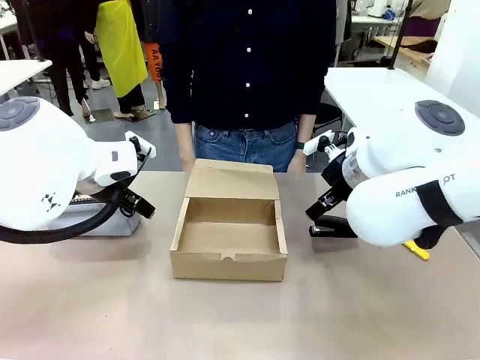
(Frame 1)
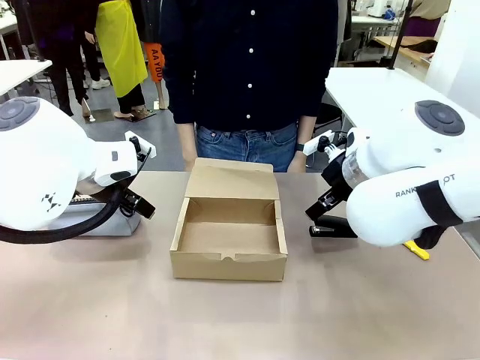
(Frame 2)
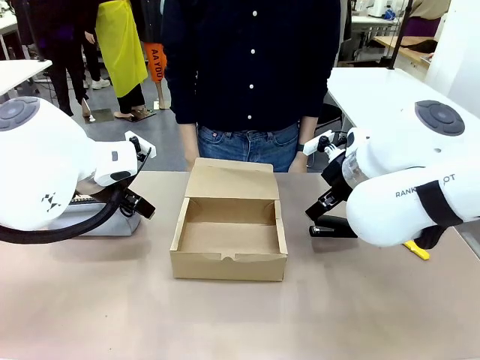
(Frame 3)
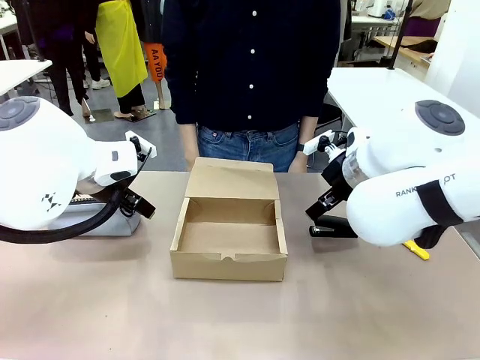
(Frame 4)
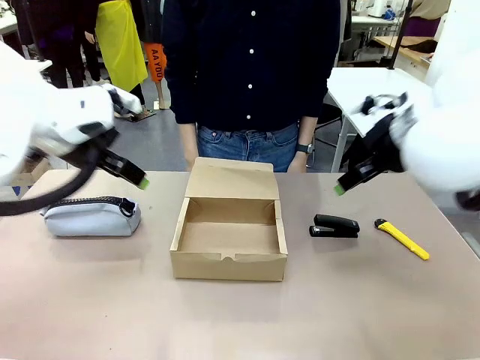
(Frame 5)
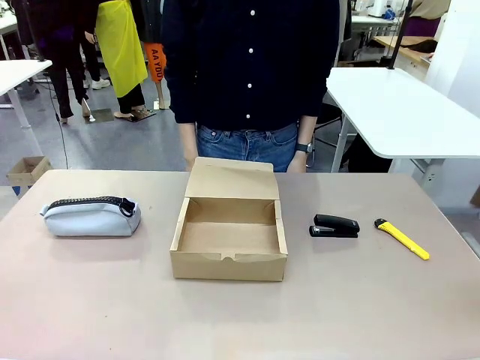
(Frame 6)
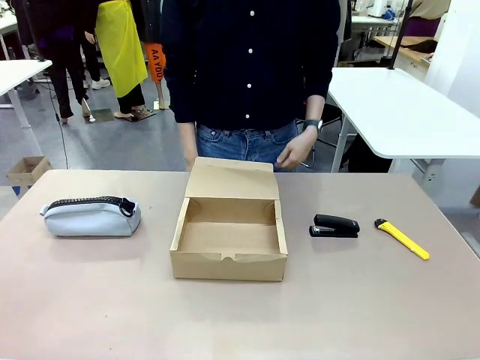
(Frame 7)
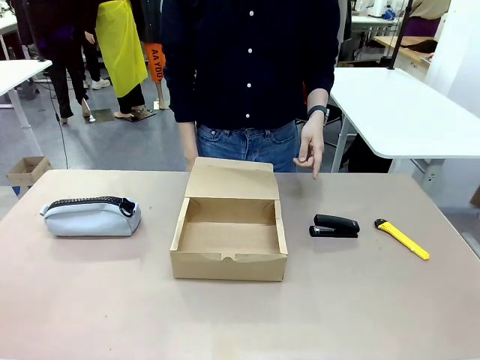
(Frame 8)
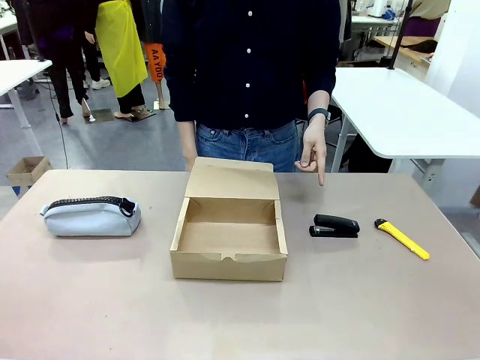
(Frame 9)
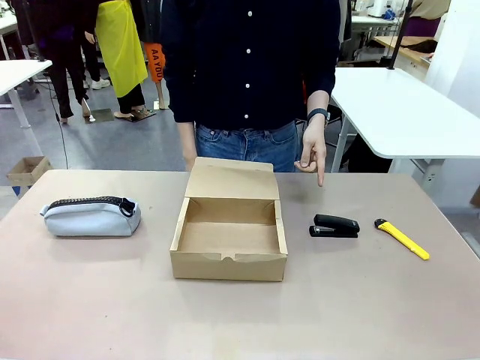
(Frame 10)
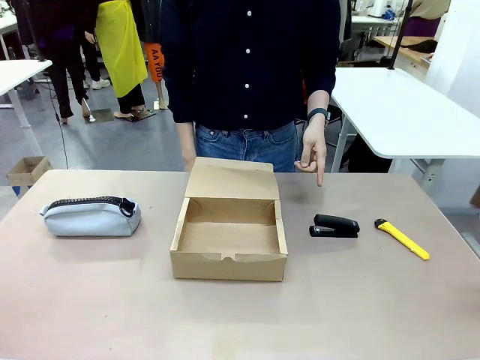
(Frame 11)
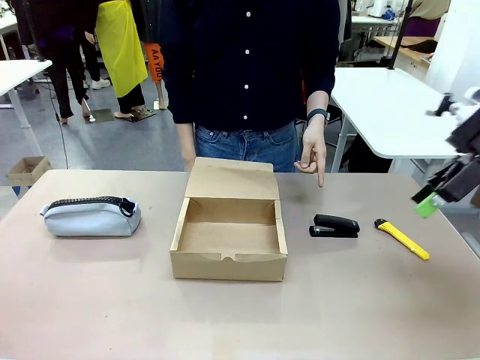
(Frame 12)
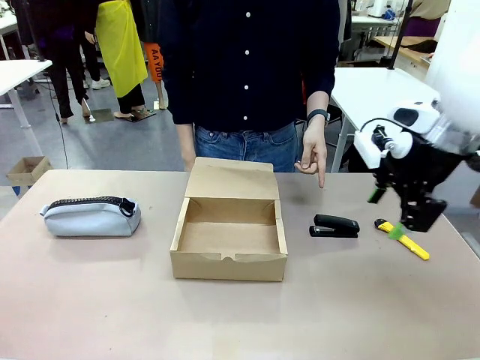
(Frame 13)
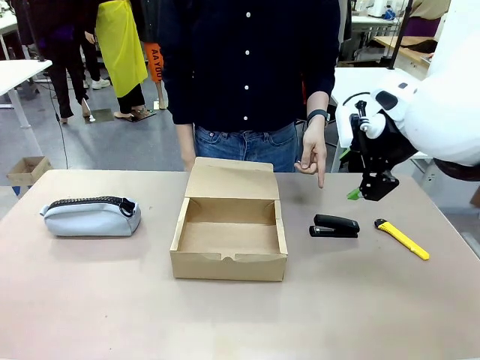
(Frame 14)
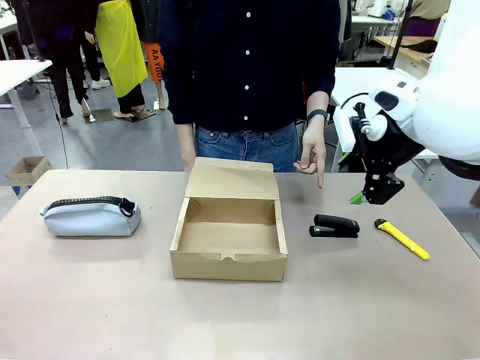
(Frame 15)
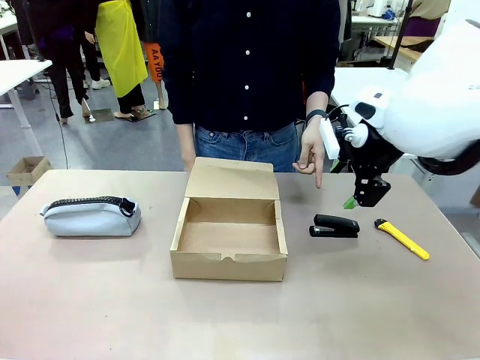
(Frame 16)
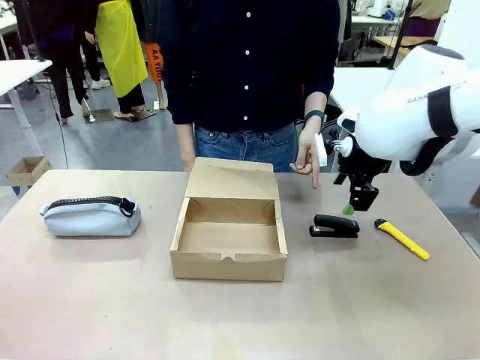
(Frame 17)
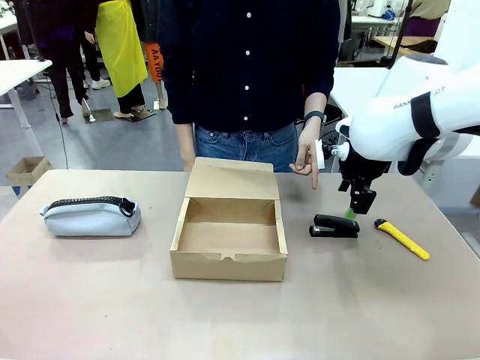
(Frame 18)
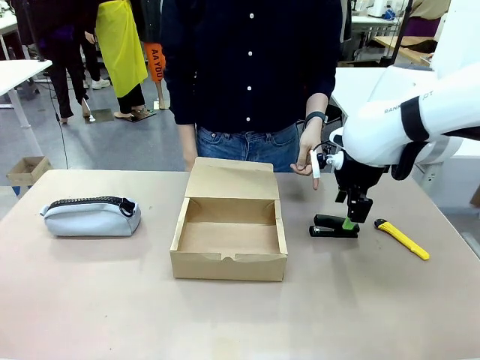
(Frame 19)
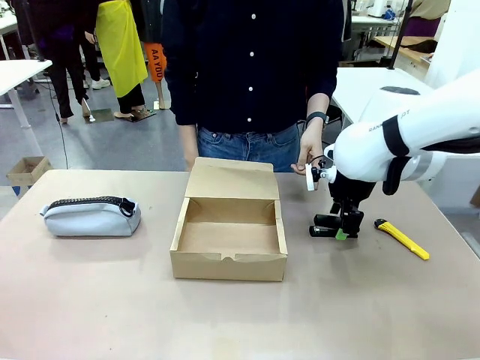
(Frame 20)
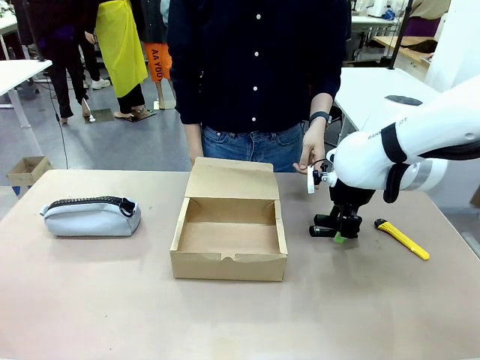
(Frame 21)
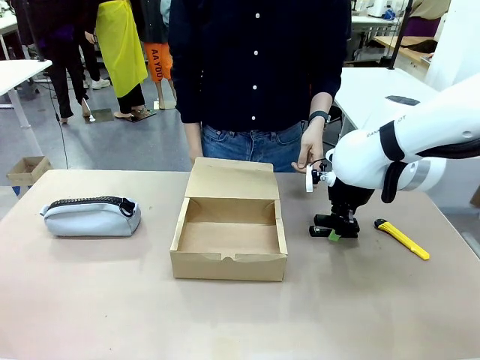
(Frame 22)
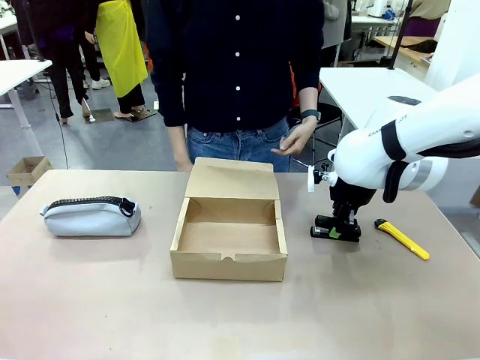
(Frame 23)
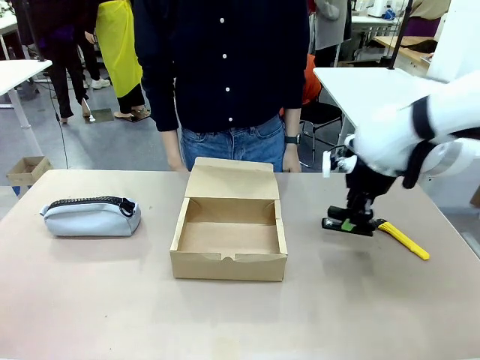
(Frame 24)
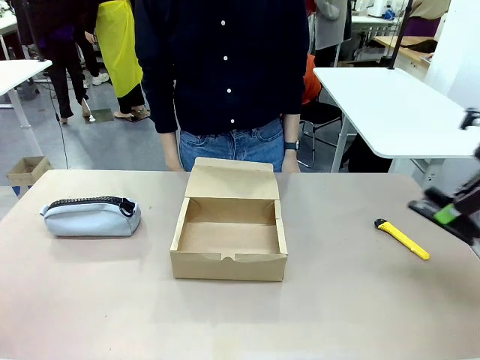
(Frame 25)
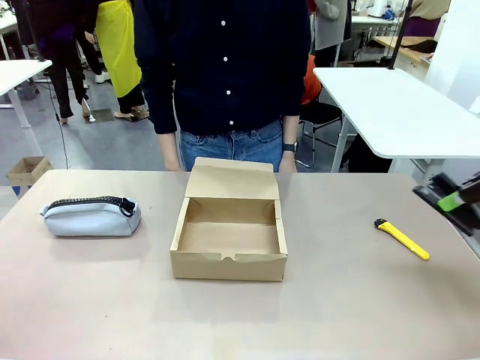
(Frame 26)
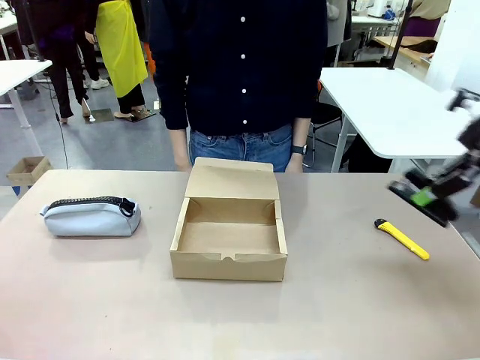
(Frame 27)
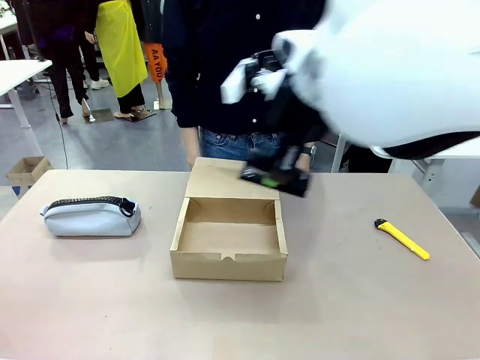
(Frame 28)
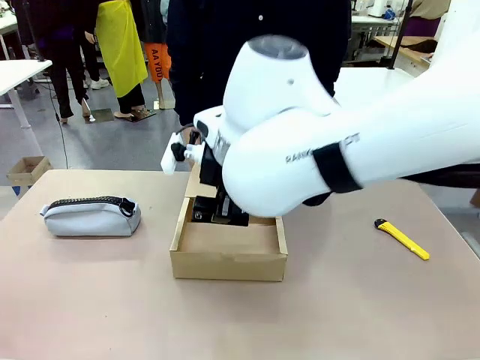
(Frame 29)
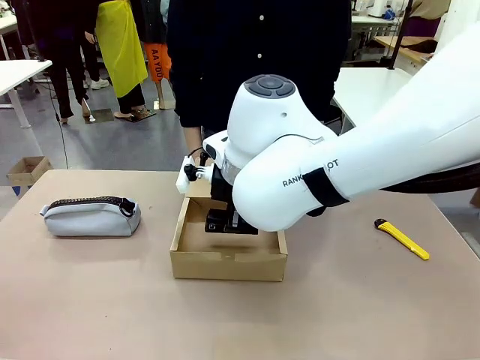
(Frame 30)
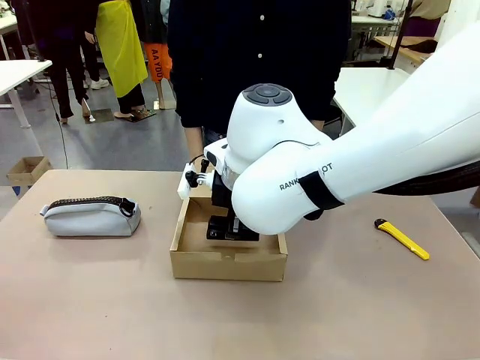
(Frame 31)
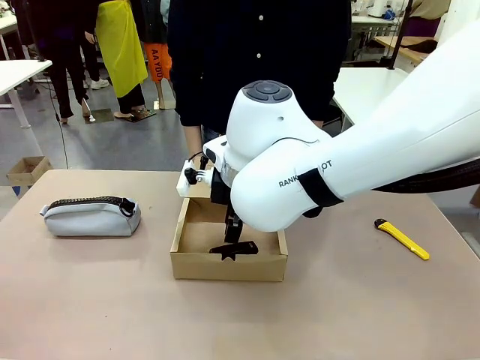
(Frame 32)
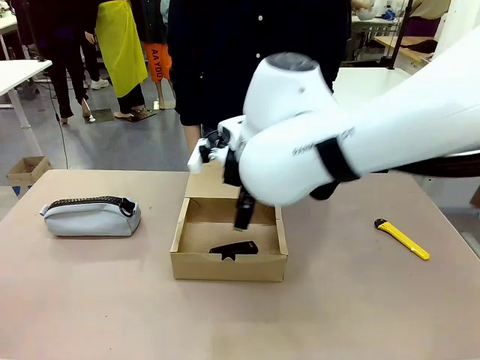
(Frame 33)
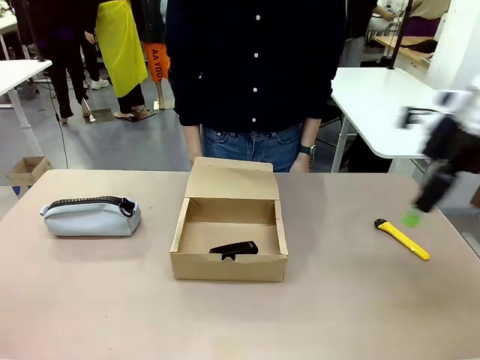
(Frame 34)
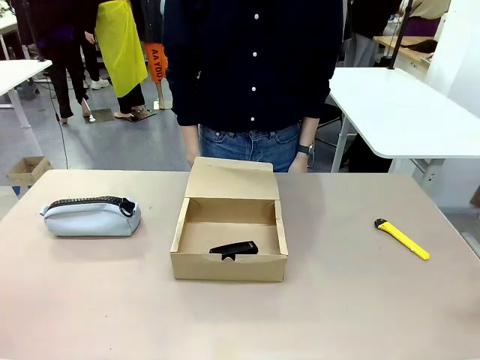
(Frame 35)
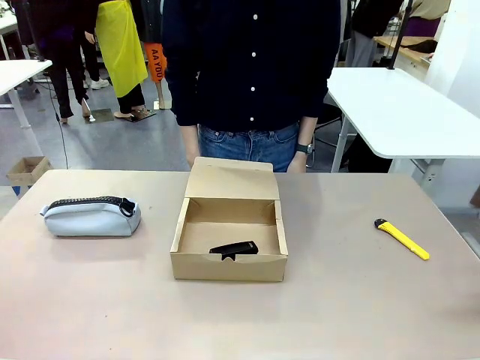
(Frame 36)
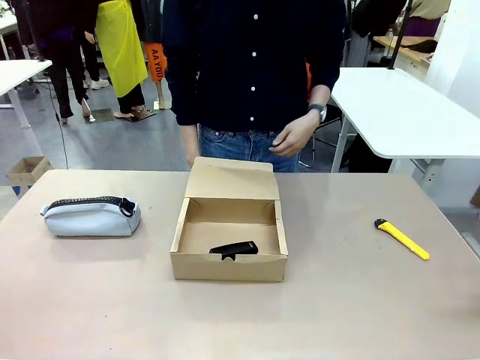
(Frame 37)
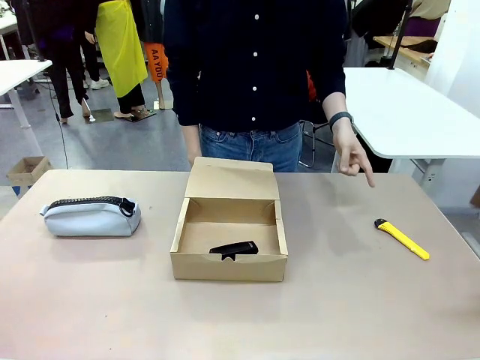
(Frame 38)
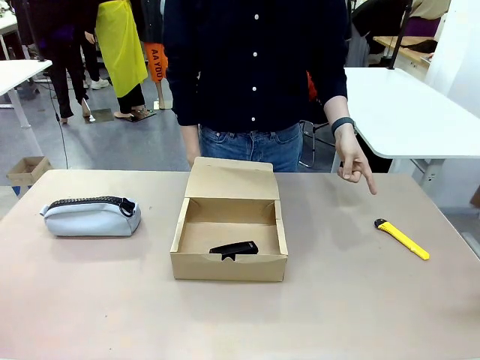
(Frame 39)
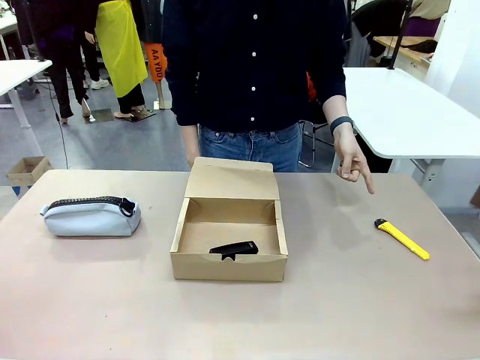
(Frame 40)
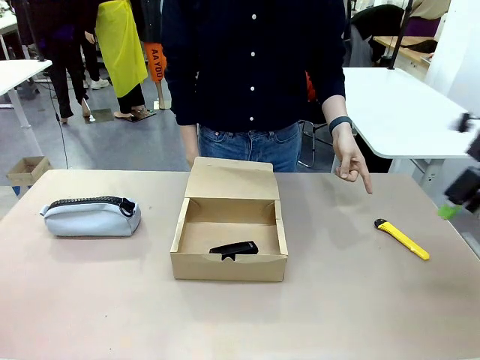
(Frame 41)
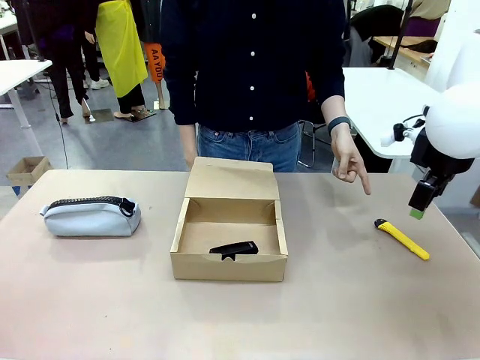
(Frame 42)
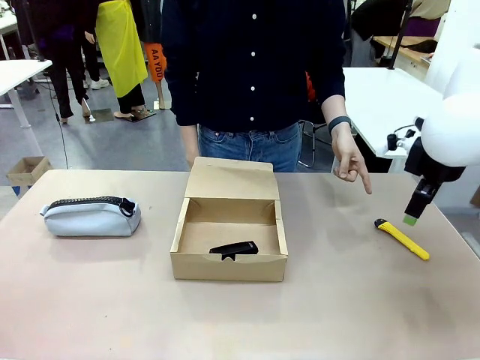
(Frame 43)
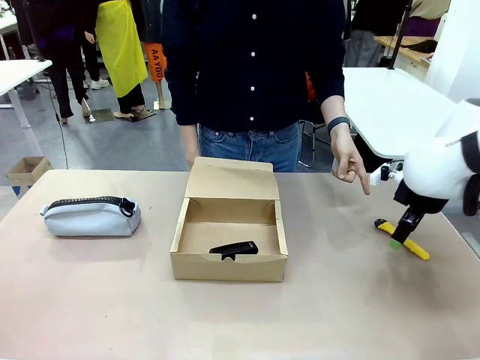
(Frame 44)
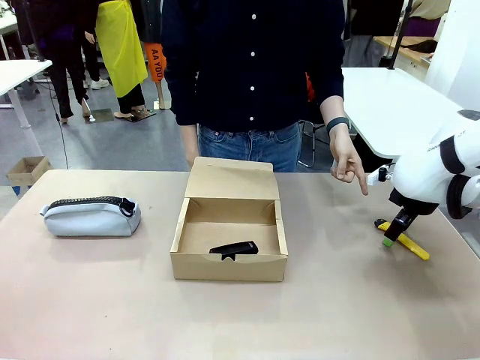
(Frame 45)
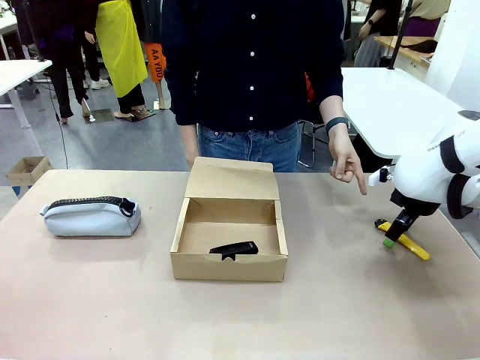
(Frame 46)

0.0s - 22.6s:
Task: Pack the items into the box.
Robot: Pick up the item indicated by the person and place it inside the Mailer Box.
Person: Point at one item on the table (excluding the box).
